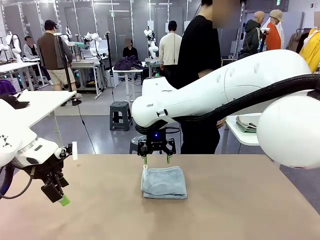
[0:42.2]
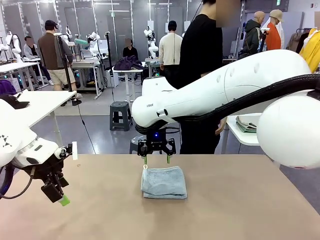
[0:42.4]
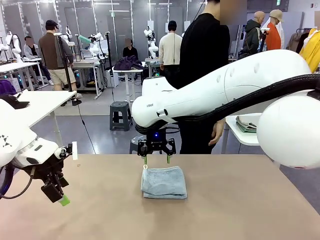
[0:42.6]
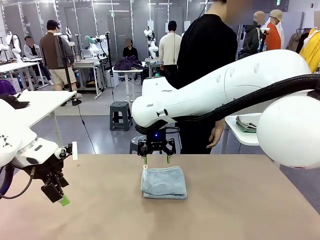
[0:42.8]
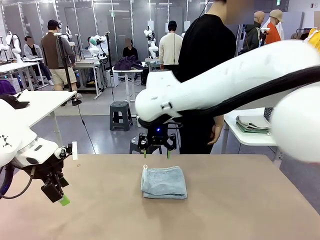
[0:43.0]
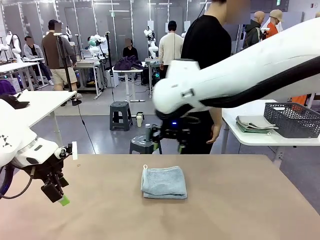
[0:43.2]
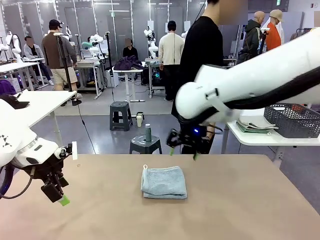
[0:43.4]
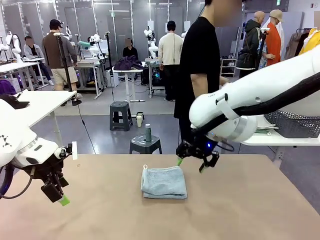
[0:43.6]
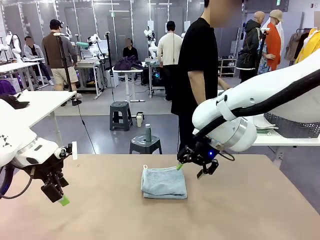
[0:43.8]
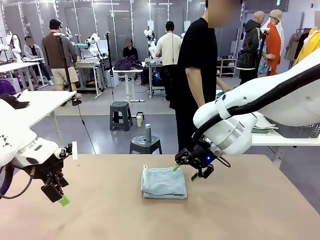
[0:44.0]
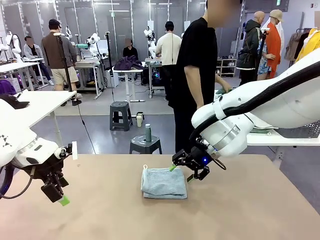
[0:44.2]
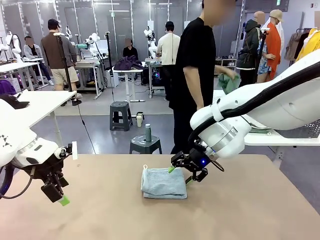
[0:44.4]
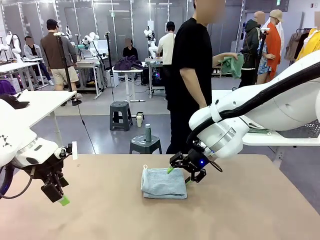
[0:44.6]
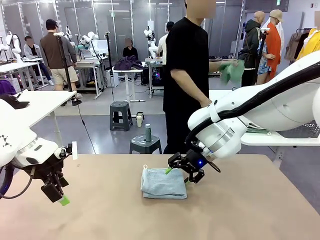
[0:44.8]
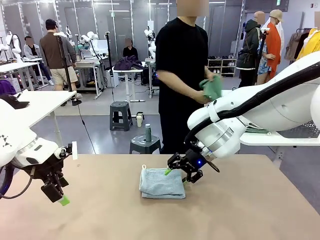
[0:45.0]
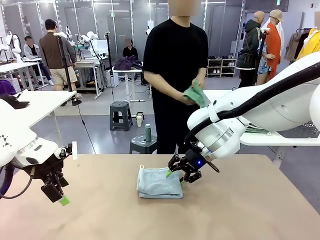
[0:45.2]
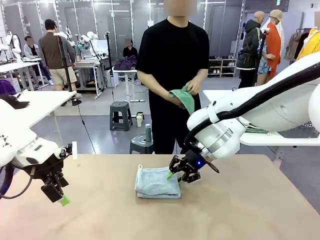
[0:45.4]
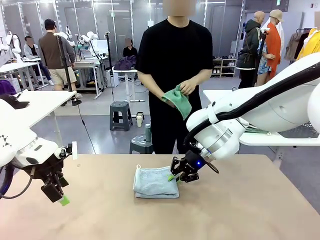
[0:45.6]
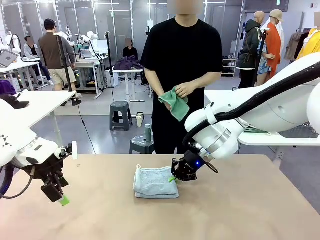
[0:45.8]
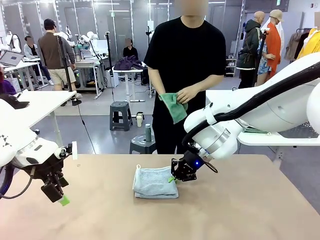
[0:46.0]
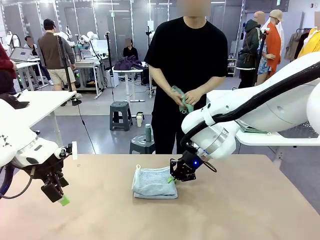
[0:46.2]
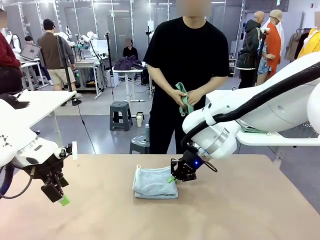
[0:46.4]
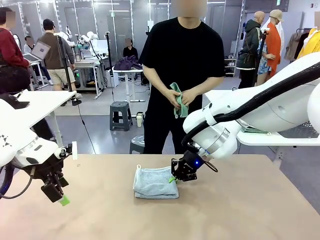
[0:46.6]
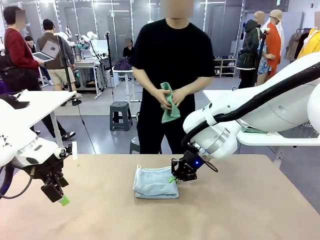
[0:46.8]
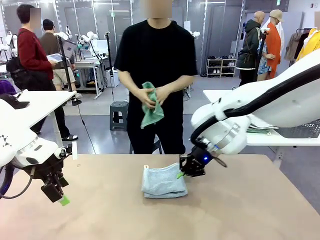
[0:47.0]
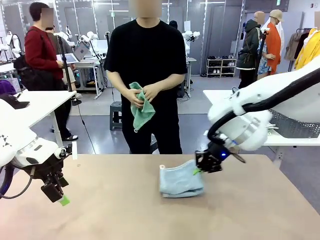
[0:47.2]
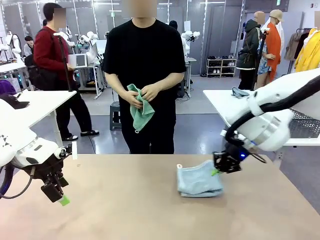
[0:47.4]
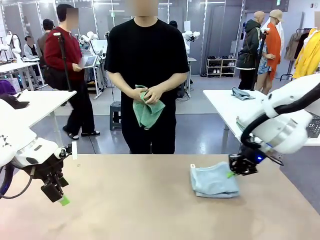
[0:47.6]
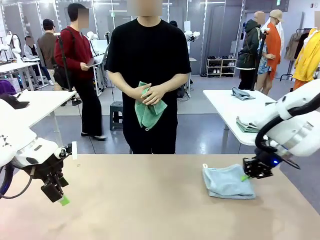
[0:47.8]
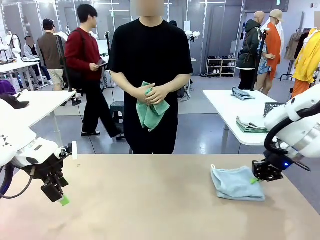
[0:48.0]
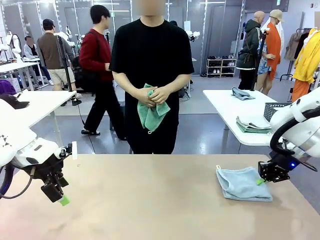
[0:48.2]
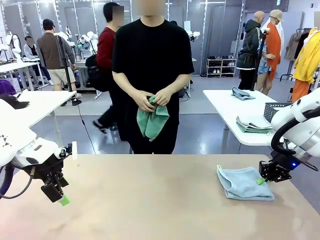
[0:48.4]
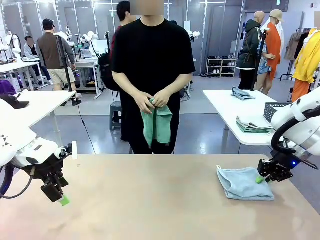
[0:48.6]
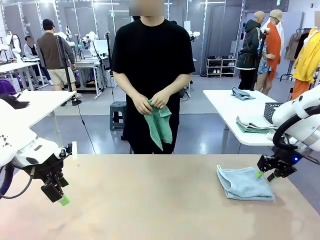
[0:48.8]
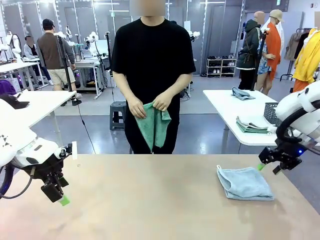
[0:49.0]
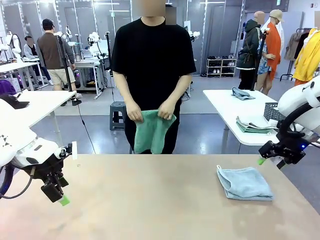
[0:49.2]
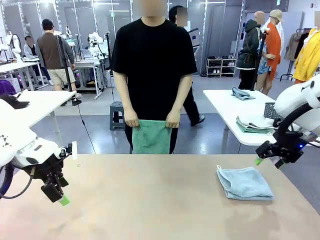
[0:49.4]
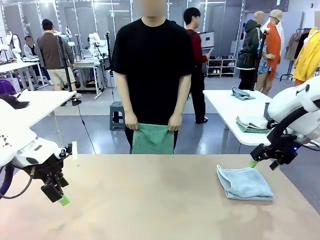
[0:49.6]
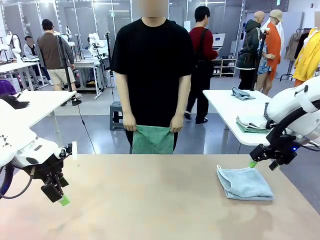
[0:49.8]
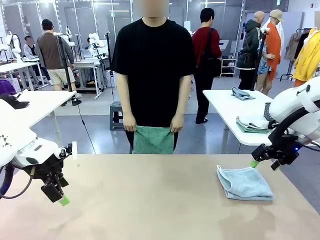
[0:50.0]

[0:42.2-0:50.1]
Task: Fold the towels and place them in the basket.
Robot: Place the folded Towel with hook on the right side of the table.
Person: Pick up one towel from the left side of the human table and spread it out at the center of the robot table.

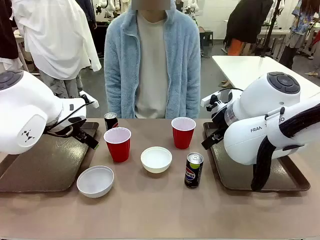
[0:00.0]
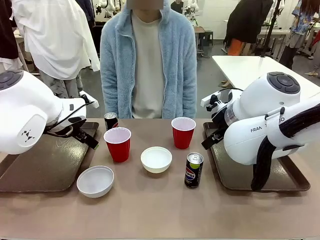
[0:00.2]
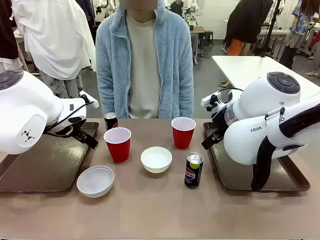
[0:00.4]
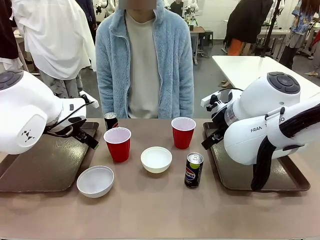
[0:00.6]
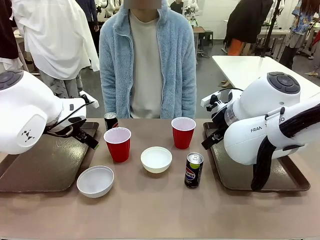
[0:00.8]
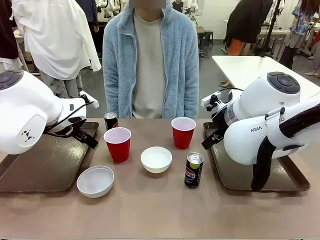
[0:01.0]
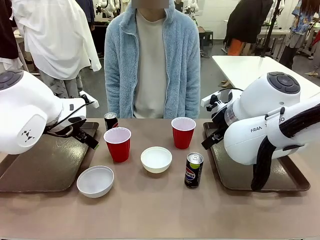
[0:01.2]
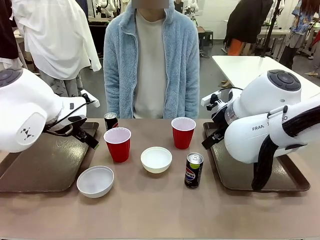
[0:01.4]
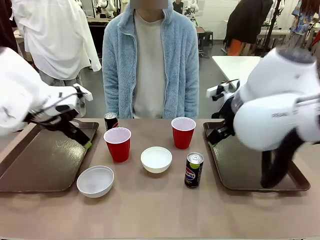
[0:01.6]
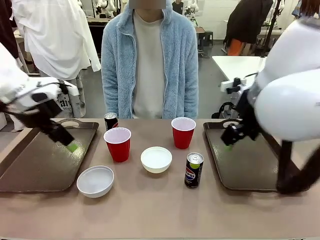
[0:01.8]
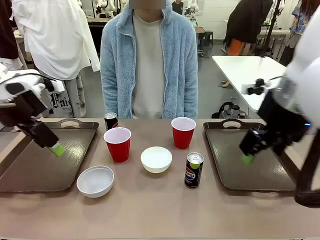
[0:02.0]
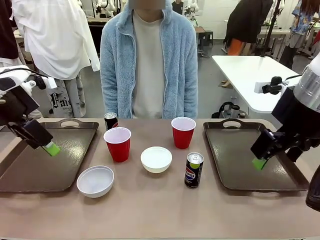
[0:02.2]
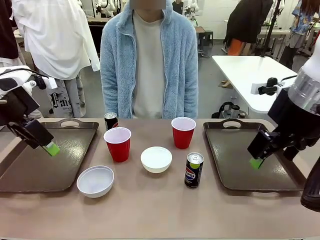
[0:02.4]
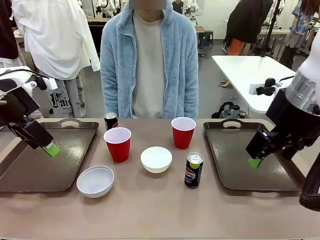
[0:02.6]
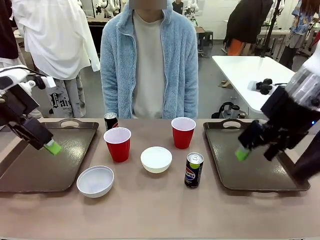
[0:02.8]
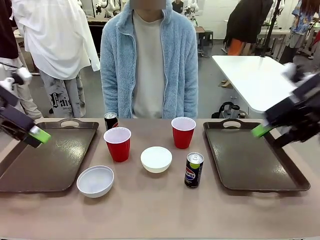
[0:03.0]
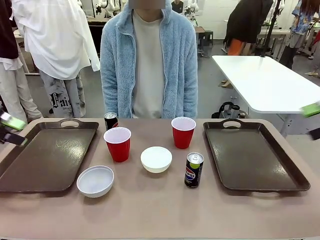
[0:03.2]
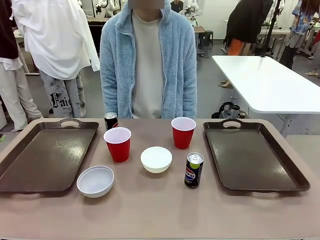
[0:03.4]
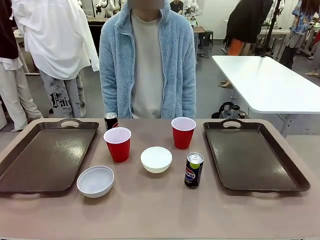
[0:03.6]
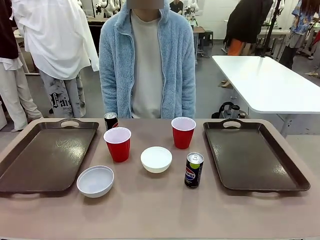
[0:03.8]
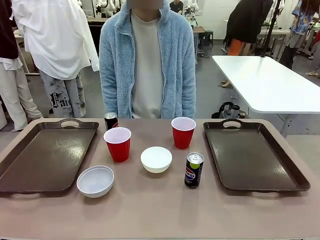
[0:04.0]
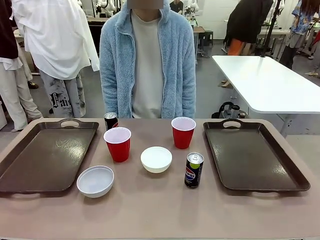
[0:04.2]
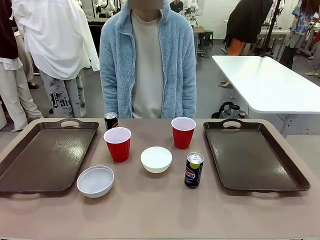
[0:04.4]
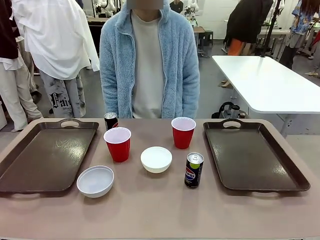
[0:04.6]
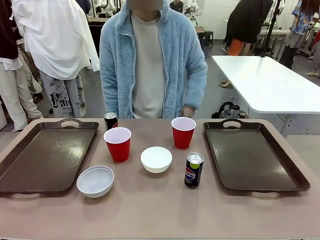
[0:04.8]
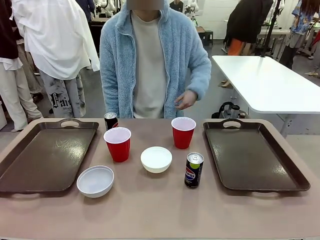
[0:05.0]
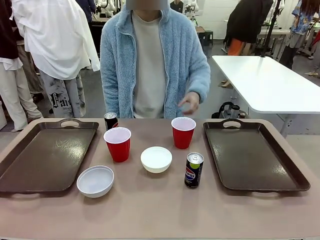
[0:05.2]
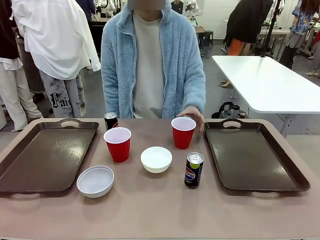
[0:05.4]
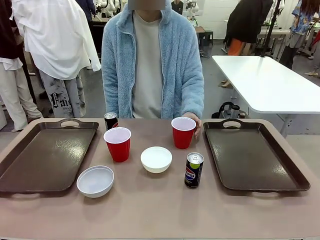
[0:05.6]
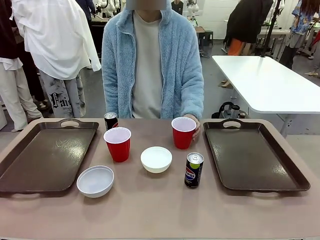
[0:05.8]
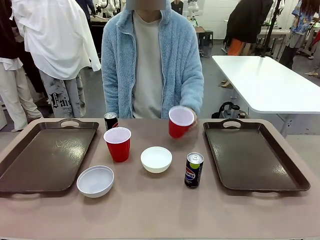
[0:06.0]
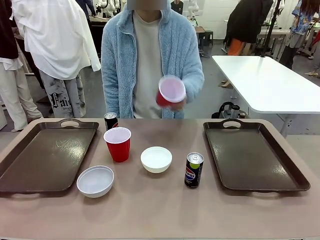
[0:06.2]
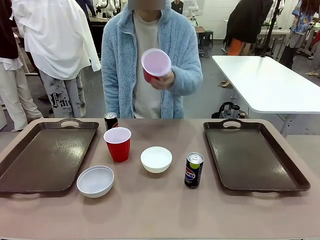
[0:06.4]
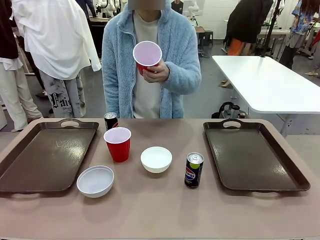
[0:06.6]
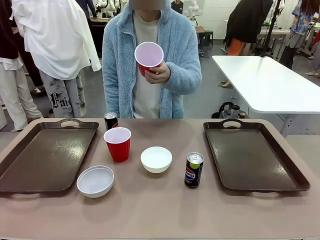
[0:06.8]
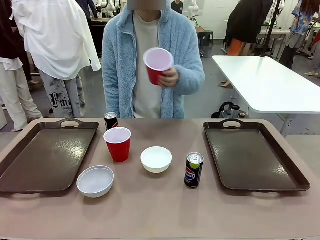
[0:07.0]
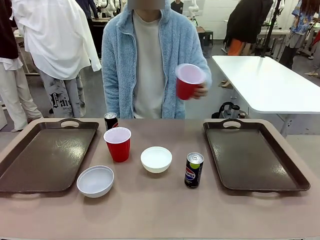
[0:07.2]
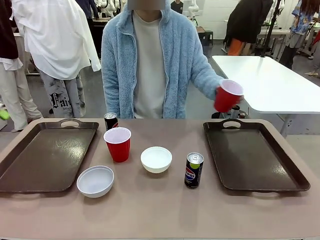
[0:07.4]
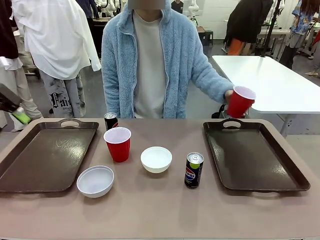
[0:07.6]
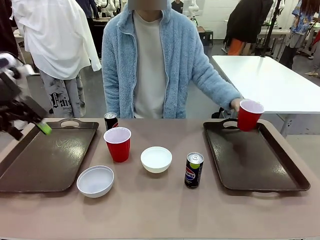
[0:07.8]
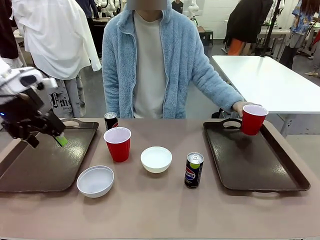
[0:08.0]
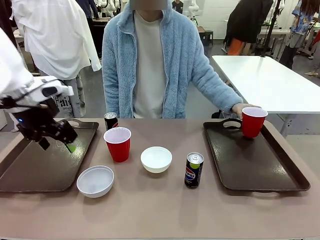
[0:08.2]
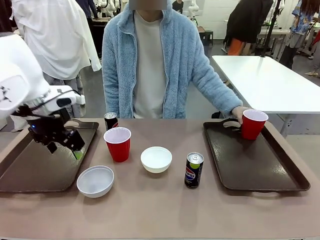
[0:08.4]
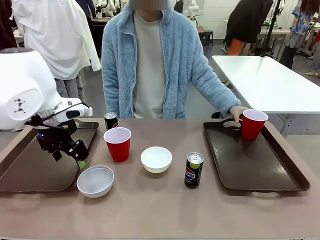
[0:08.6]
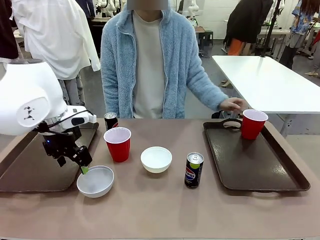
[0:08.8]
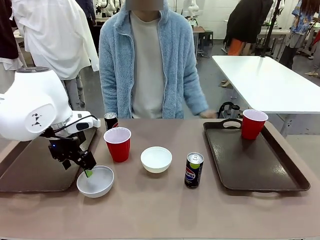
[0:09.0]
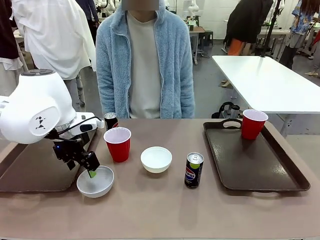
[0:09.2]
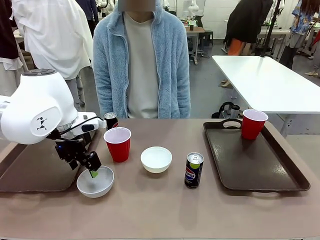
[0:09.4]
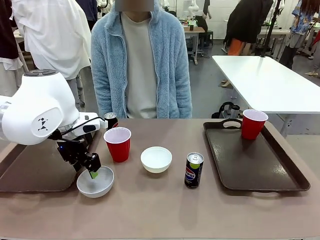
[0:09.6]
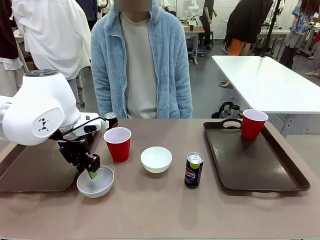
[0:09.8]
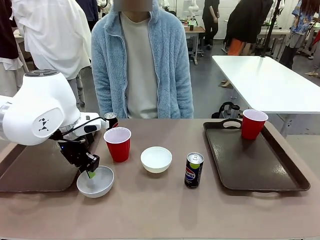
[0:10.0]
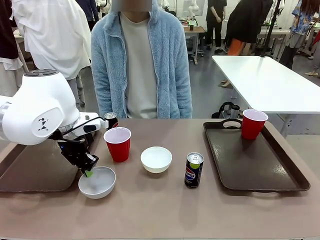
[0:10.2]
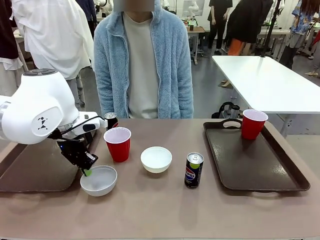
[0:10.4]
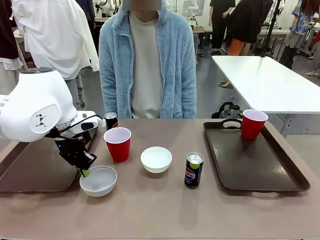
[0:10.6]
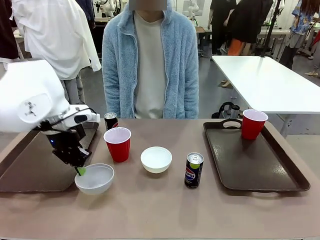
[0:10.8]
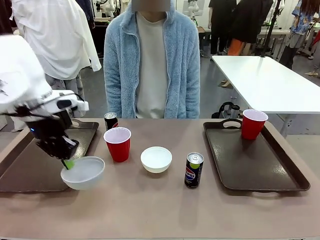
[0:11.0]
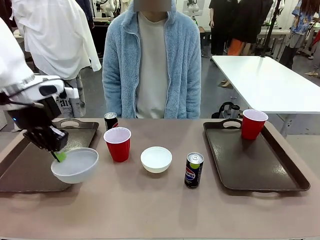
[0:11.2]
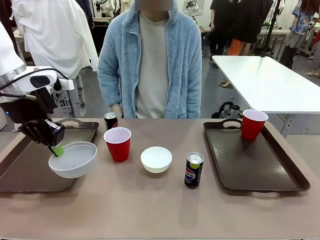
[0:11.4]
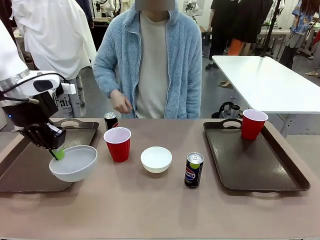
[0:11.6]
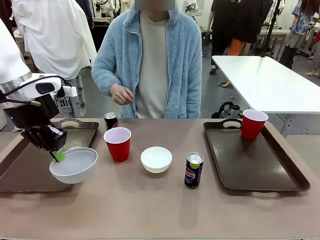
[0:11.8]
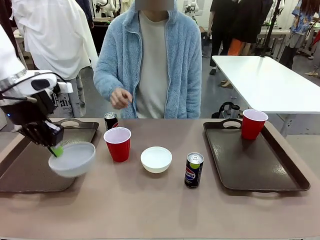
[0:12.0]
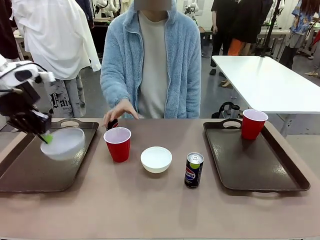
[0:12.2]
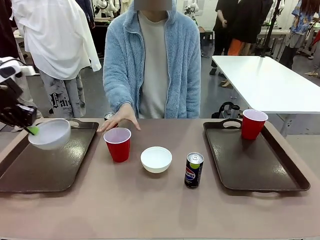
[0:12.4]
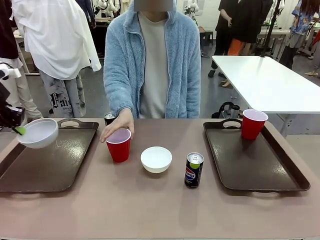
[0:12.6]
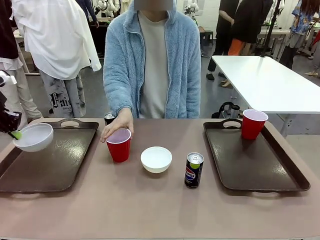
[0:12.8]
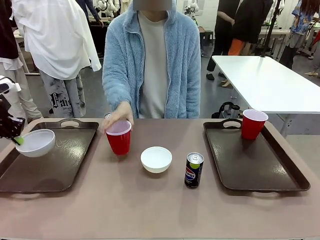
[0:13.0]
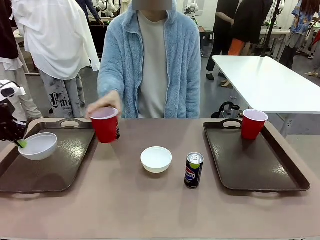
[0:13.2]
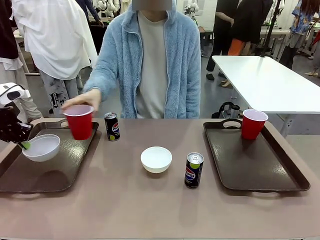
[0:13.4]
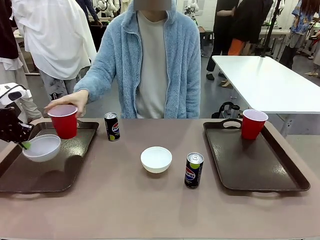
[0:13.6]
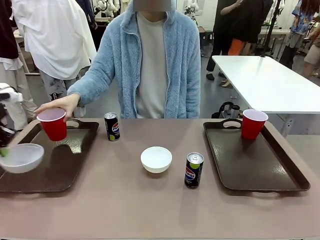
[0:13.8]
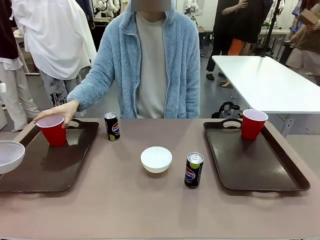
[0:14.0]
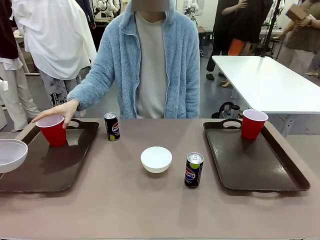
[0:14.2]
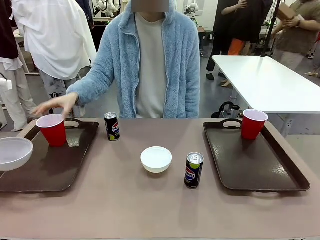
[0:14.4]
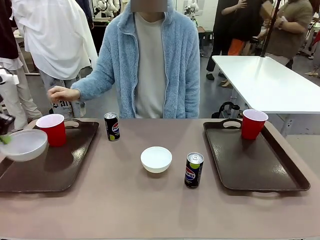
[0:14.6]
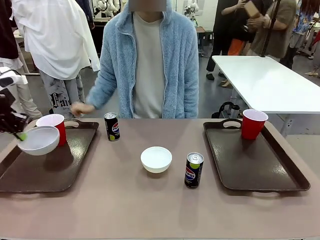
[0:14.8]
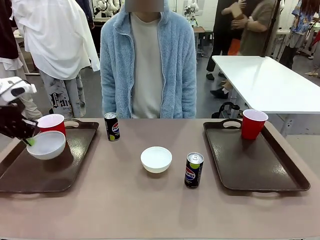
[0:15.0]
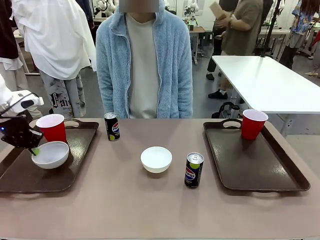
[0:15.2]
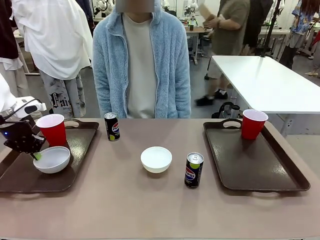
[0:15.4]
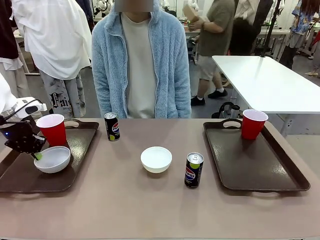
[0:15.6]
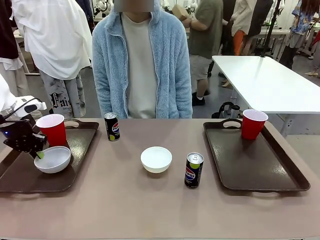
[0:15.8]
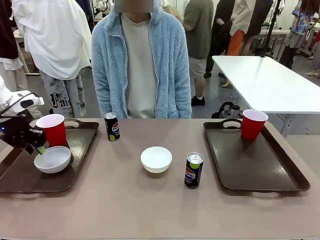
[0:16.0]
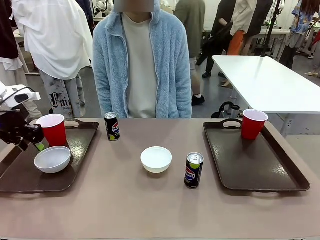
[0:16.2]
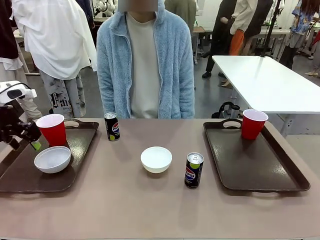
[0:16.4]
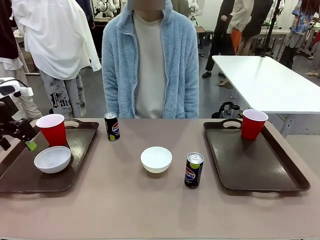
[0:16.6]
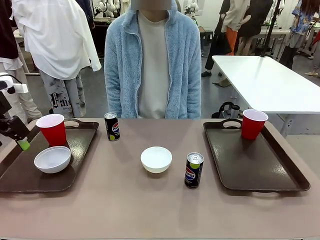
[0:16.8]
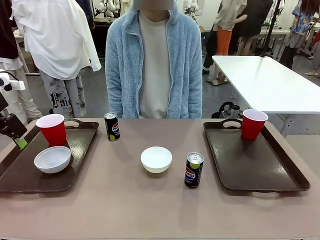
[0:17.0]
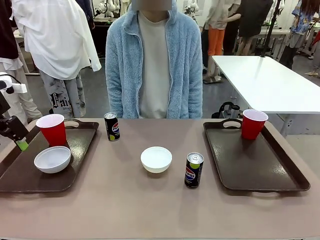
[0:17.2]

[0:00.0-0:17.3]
Task: Prepare tableware on both trays.
Robot: Pick up a Picnic Bowl from the table and place it on a Handle tray.
Person: Pick up a can or cup and place it on the tray.
